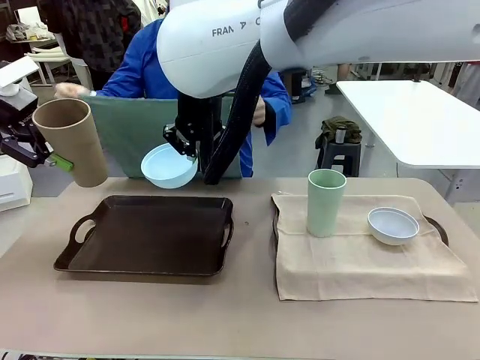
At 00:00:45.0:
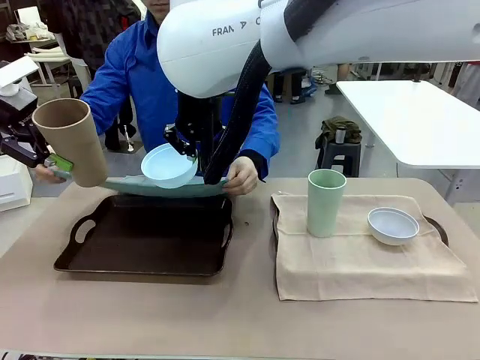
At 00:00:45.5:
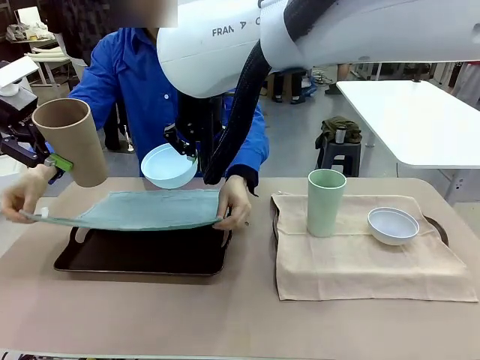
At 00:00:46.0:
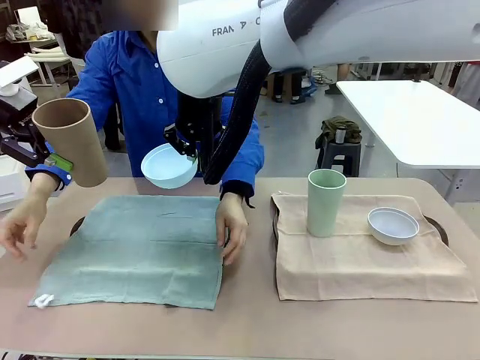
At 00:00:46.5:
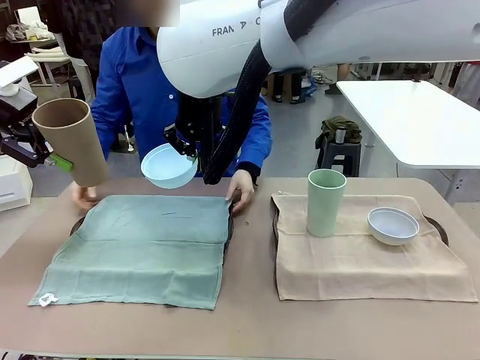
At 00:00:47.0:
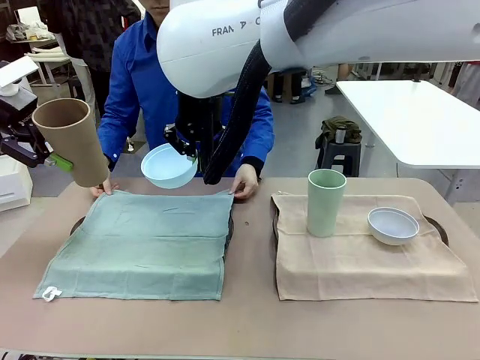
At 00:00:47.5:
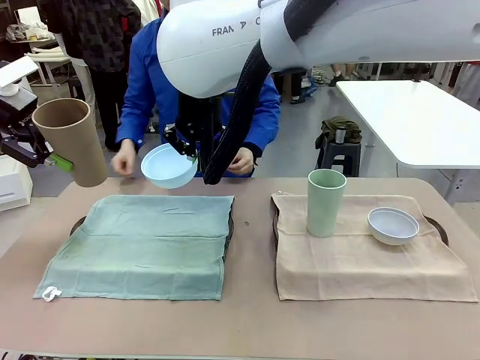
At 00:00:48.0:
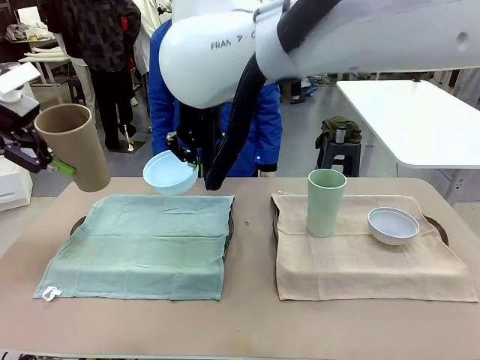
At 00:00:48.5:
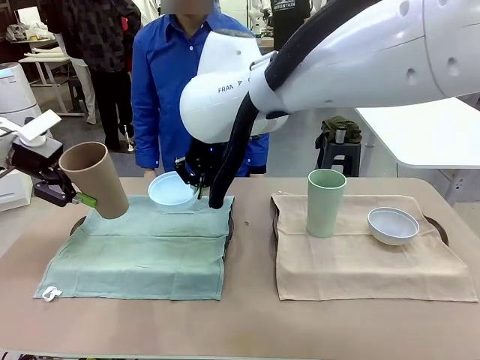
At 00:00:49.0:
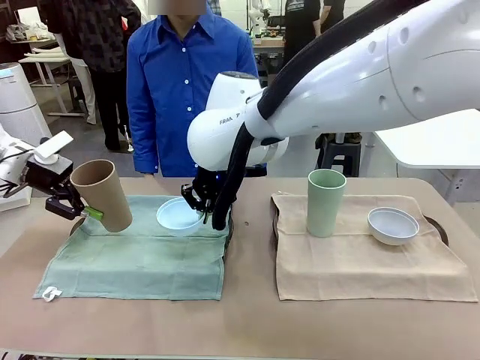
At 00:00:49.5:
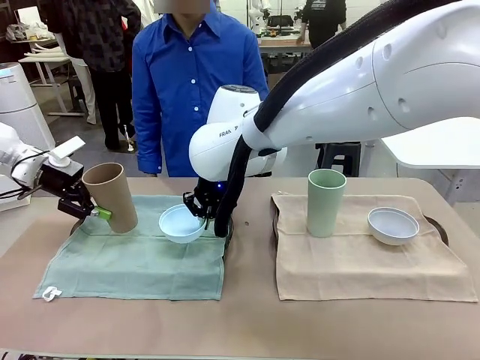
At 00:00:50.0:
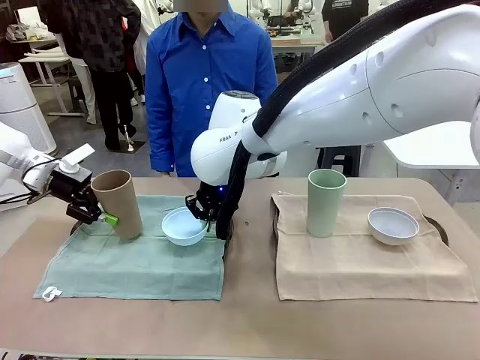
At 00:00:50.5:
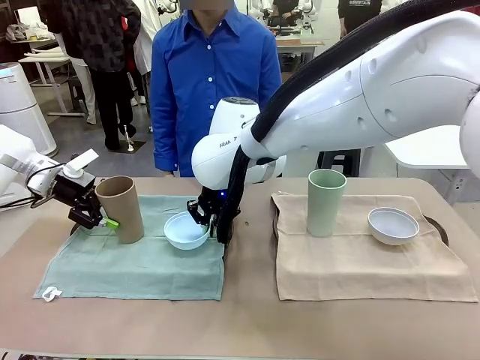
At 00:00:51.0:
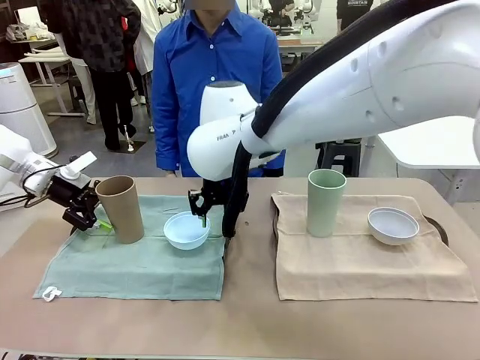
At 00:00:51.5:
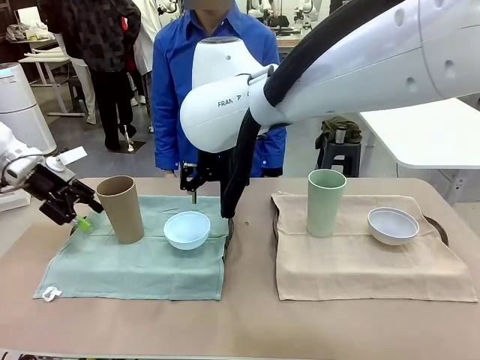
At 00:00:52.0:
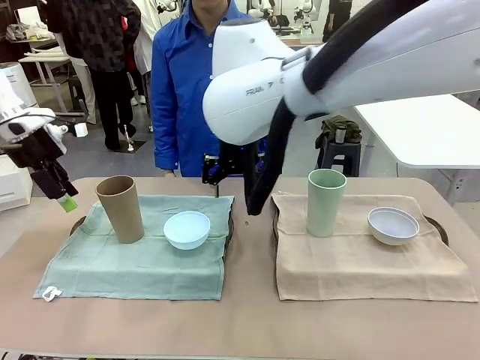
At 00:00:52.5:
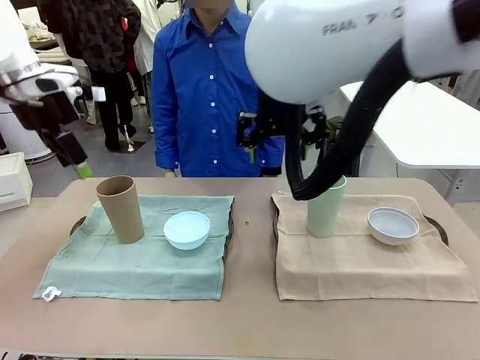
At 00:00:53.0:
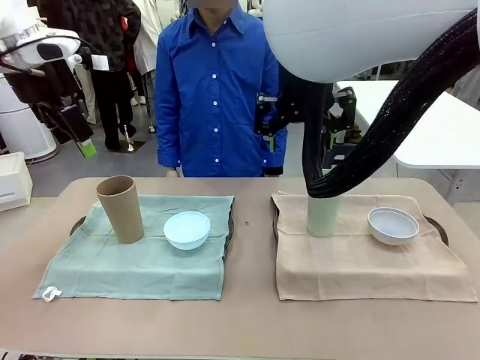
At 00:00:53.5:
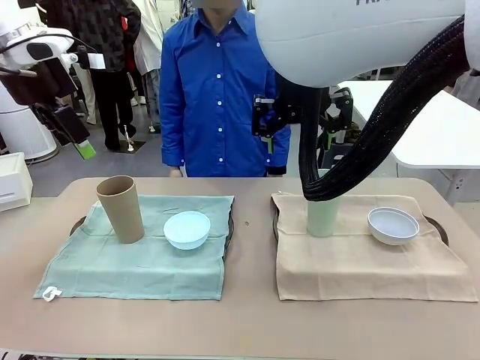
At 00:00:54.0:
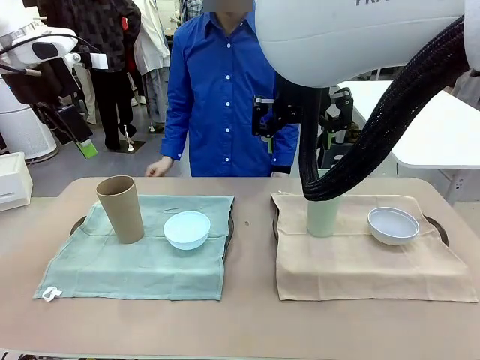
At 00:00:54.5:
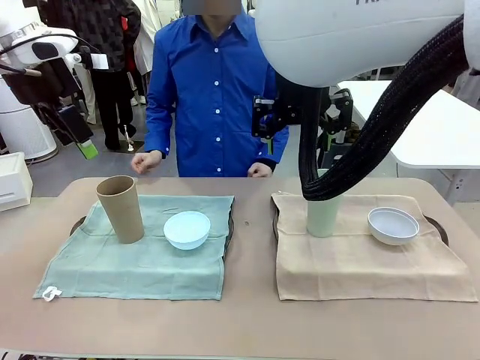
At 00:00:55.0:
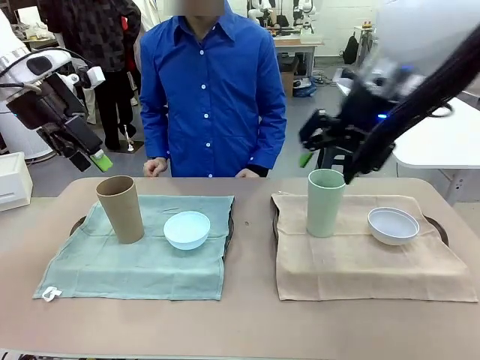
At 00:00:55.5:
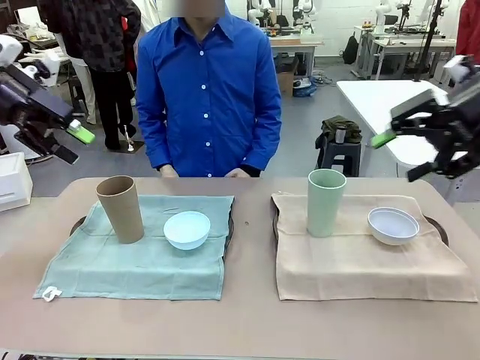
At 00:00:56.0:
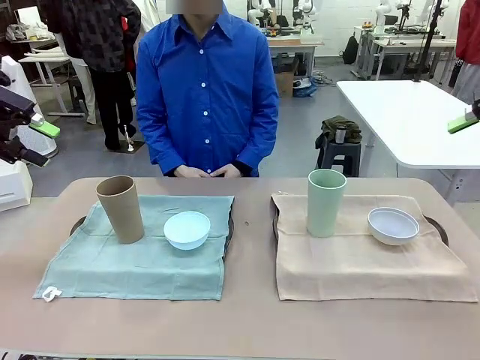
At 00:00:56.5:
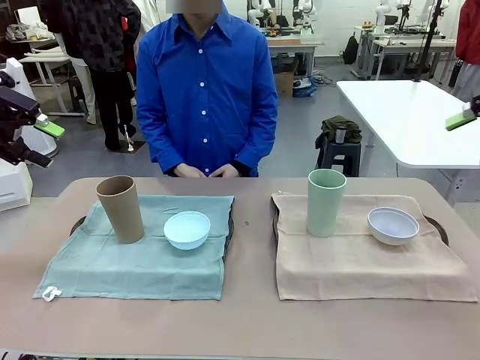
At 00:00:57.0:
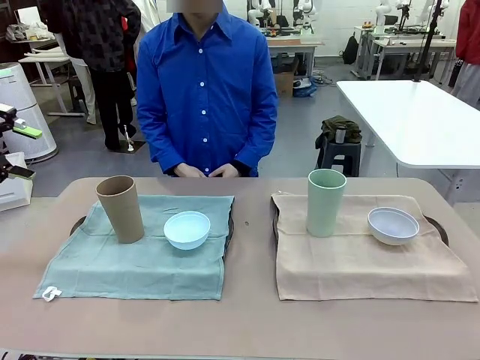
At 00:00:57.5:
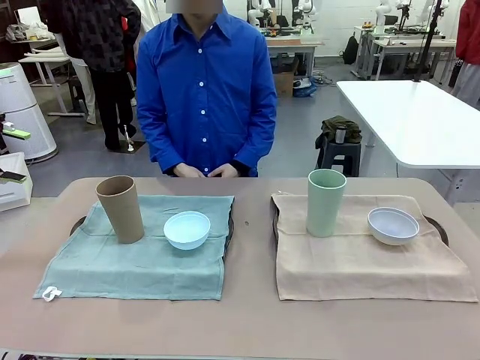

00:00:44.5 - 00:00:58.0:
Robot: Place the Picnic Bowl and Reusable plastic cup back onto the Handle tray in front of the human's position.
Person: When the robot lifts the bowl and the cup, the human unfolds the napkin and lays the napkin flat on the tray.

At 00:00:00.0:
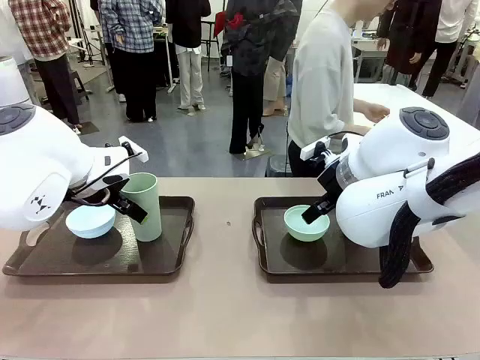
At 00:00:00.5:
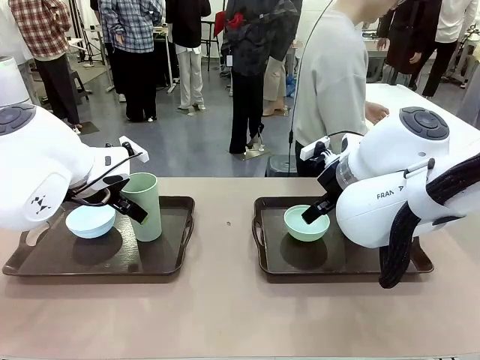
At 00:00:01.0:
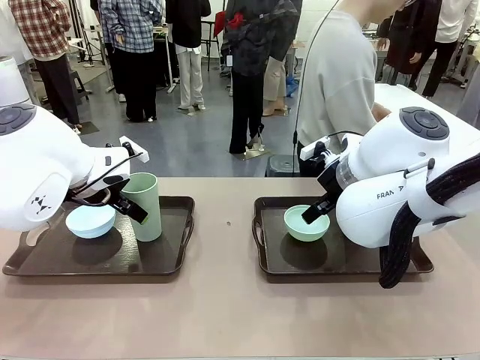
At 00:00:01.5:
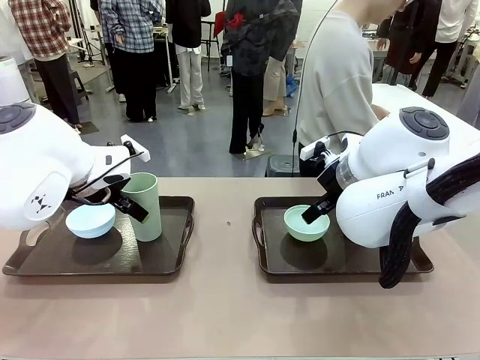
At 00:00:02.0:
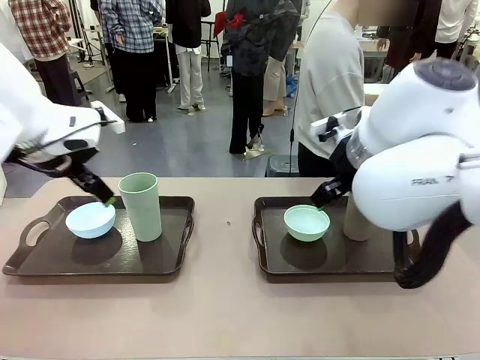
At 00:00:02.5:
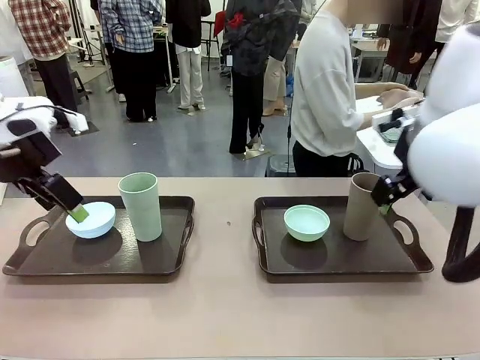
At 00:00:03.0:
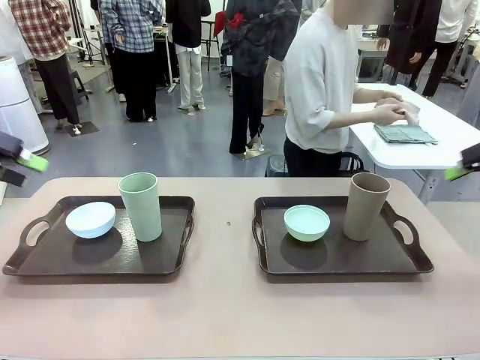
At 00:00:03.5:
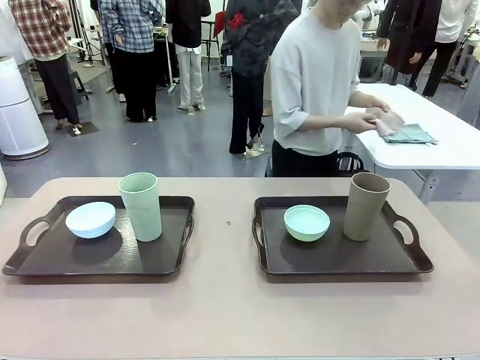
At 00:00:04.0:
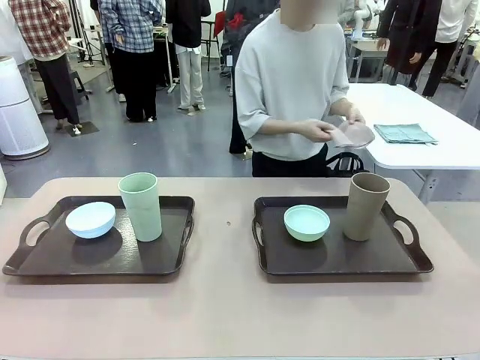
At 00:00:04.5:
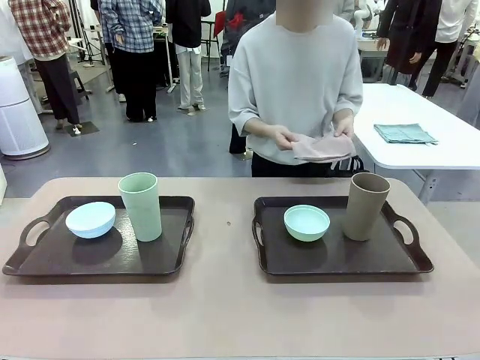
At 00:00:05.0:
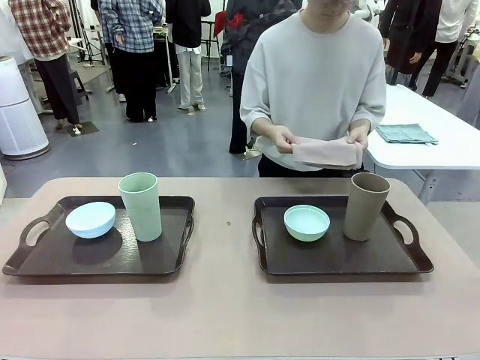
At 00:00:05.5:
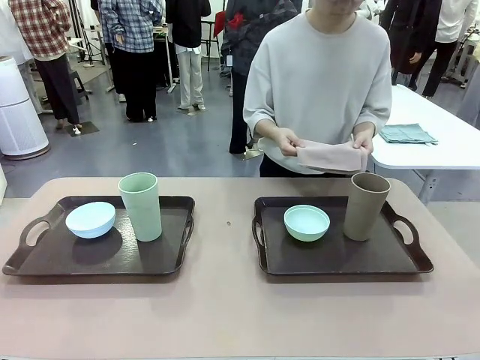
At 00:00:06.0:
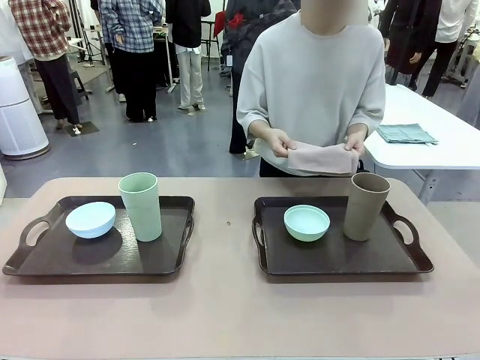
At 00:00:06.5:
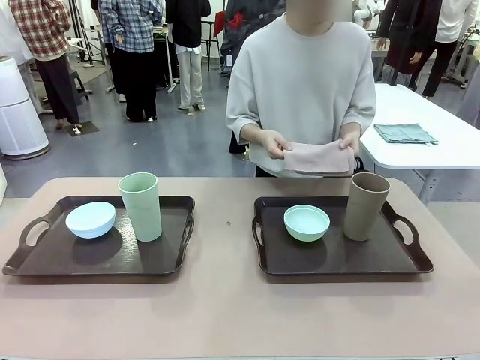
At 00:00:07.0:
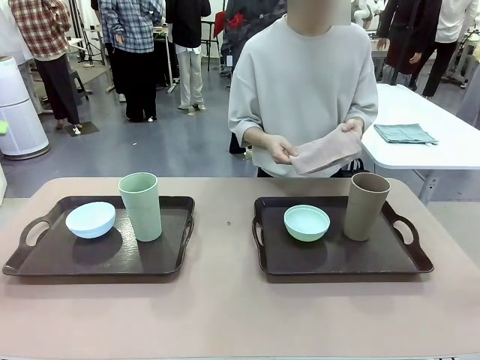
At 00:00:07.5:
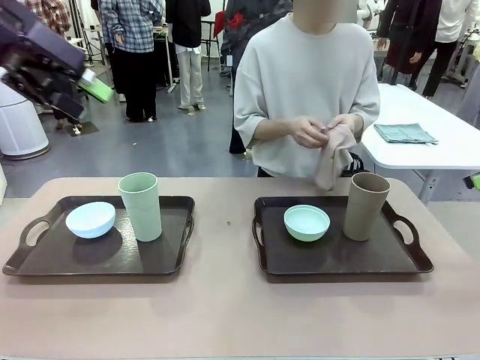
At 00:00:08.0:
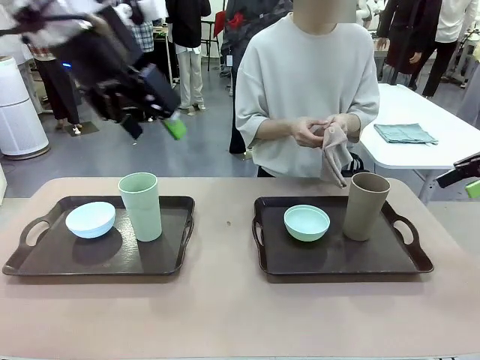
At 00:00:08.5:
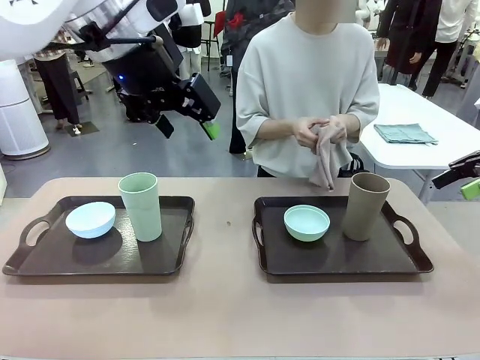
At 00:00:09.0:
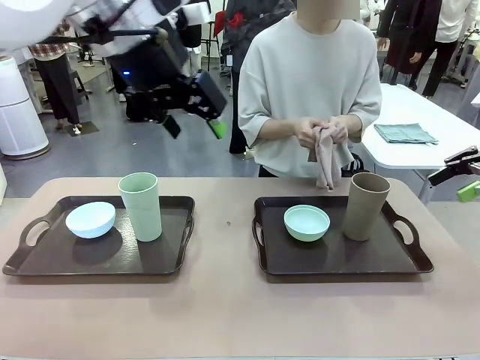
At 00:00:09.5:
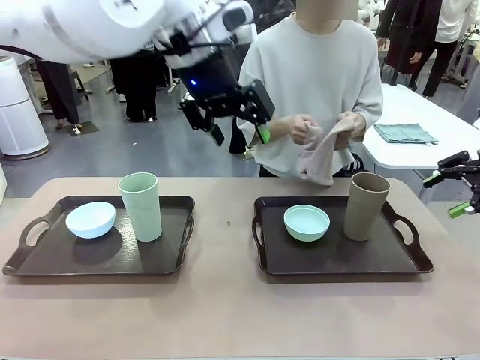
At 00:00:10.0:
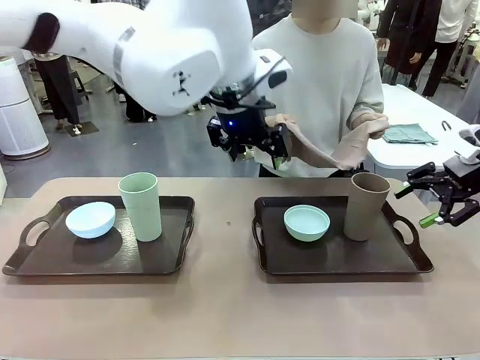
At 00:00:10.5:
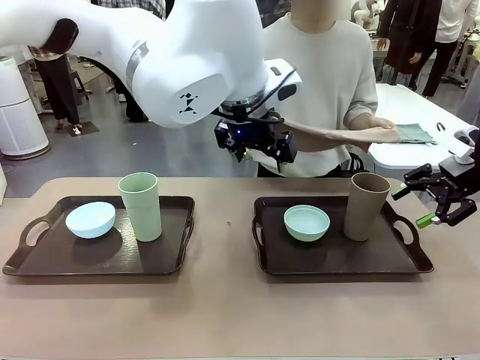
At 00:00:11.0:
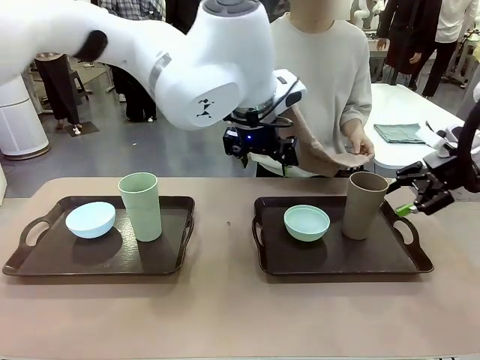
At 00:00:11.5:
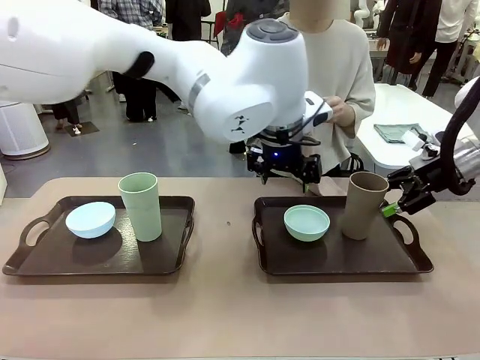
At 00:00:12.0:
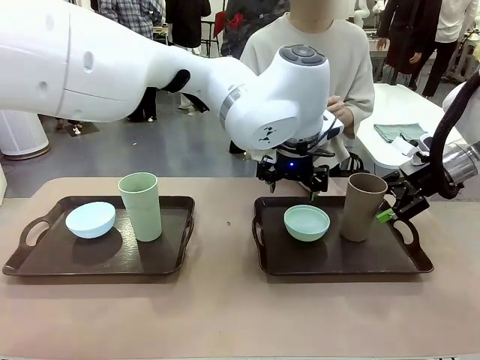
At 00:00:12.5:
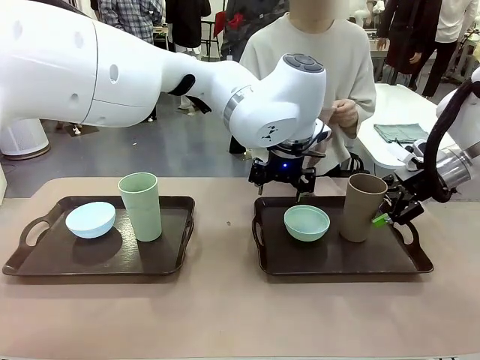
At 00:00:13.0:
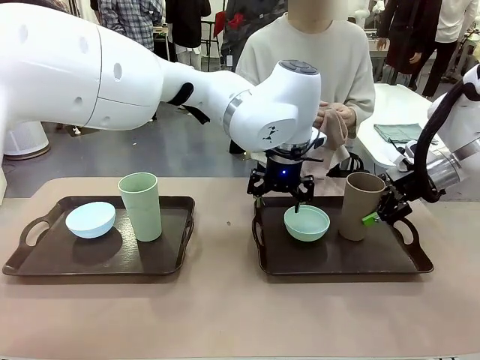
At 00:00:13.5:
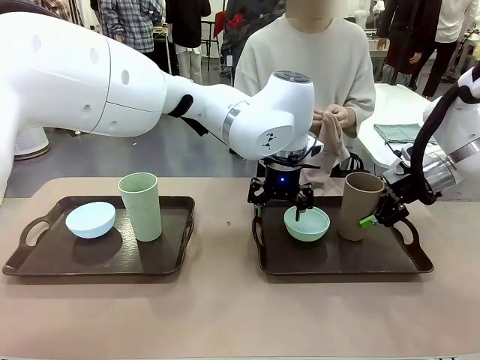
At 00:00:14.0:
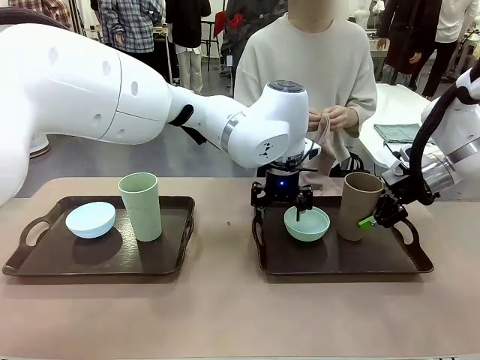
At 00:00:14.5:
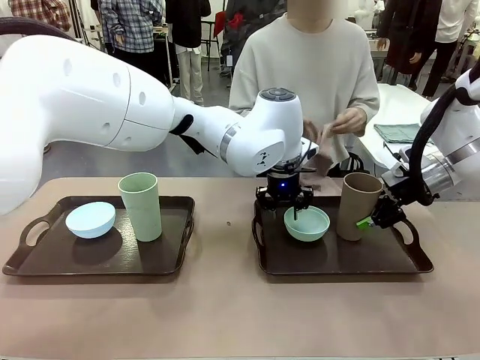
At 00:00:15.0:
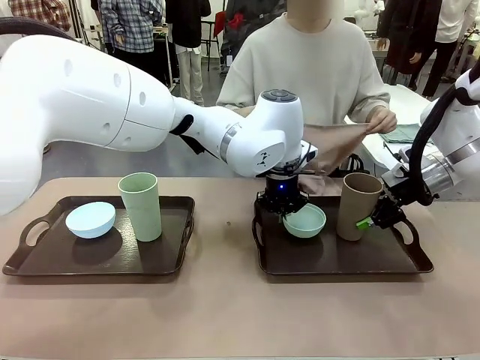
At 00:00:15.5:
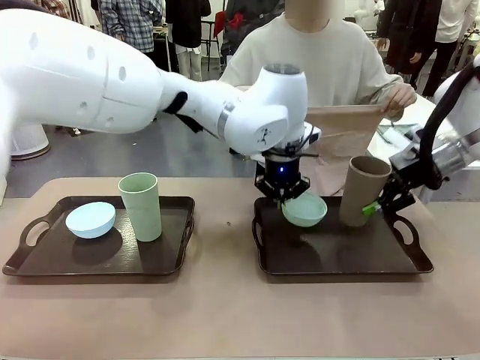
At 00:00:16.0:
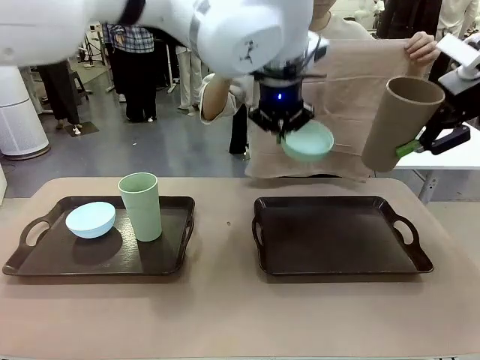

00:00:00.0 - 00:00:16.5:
Robot: Pick up the Picnic Bowl and Reusable plastic cup from the Handle tray in front of the human's position and hold them in the air.
Person: The human picks up the top napkin from the stack on the human table and walks to the robot table to stand in front of one of the two trays. When the robot lifts the bowl and the cup, the human unfolds the napkin and lays the napkin flat on the tray.
